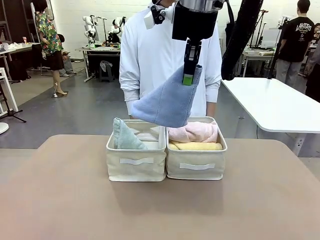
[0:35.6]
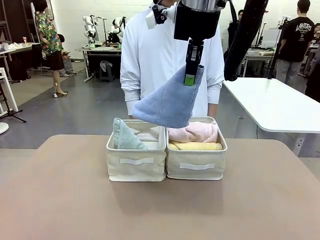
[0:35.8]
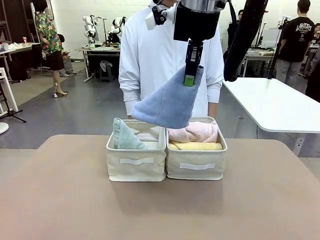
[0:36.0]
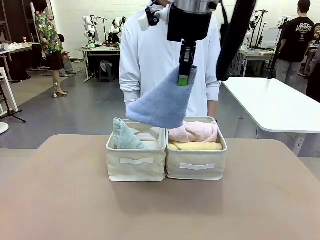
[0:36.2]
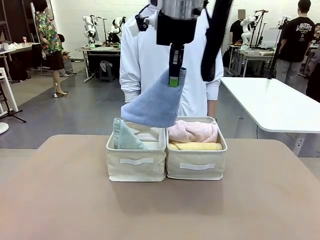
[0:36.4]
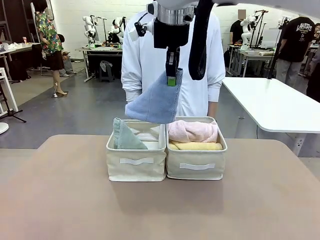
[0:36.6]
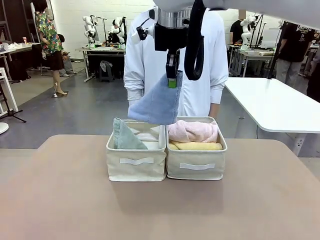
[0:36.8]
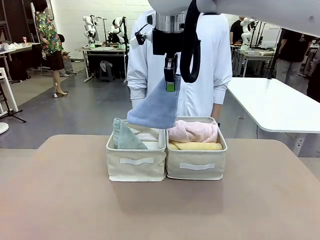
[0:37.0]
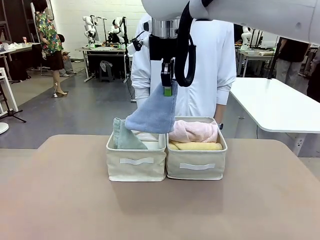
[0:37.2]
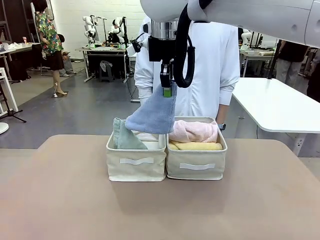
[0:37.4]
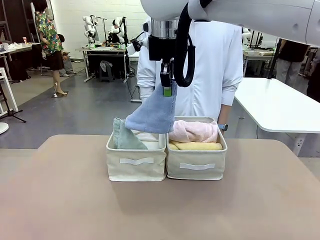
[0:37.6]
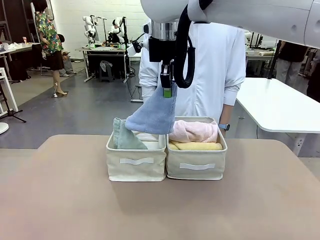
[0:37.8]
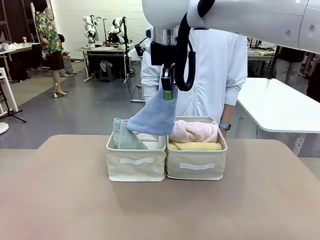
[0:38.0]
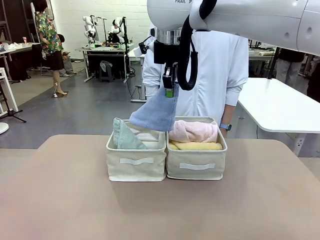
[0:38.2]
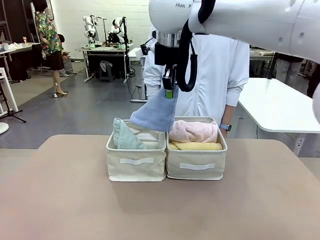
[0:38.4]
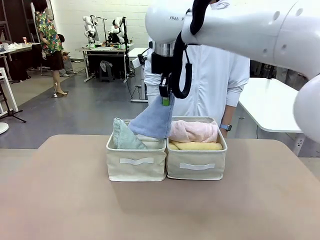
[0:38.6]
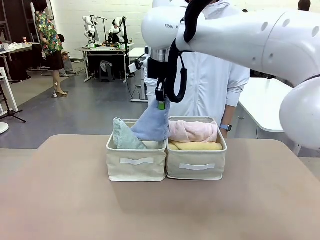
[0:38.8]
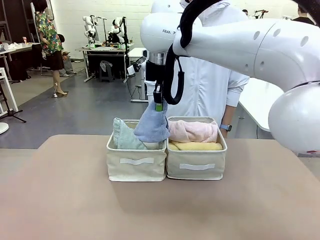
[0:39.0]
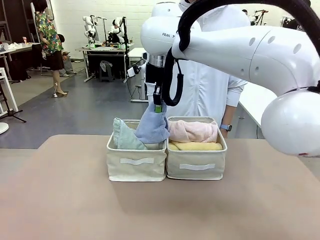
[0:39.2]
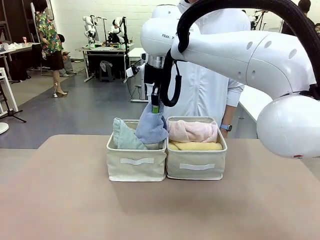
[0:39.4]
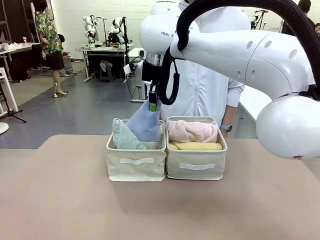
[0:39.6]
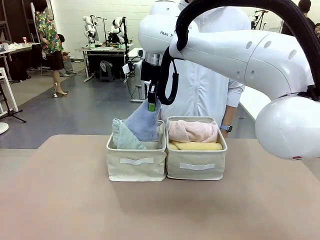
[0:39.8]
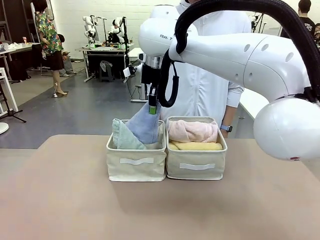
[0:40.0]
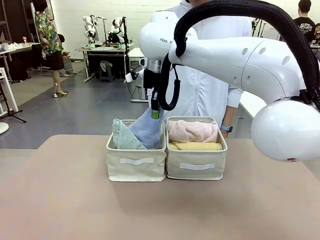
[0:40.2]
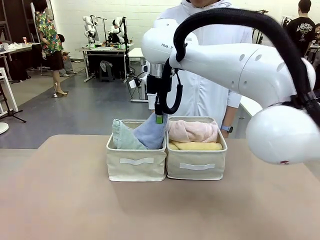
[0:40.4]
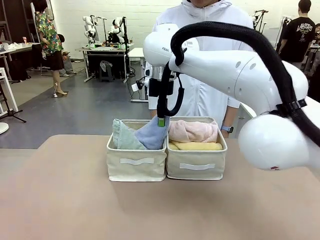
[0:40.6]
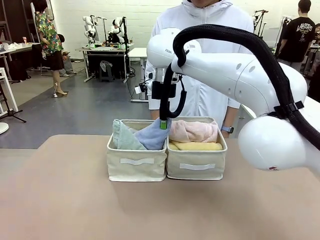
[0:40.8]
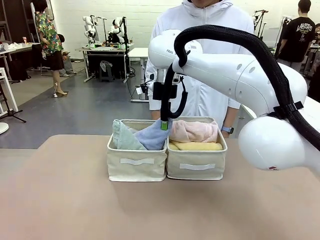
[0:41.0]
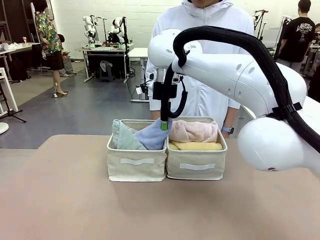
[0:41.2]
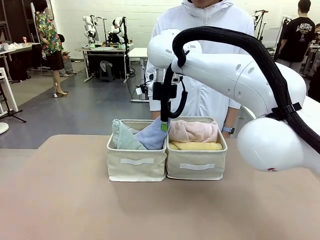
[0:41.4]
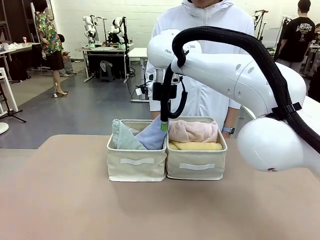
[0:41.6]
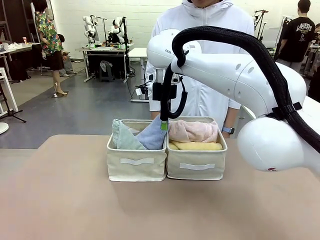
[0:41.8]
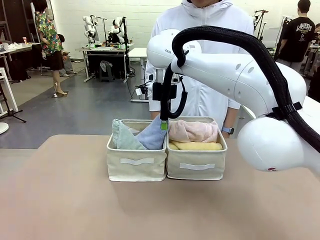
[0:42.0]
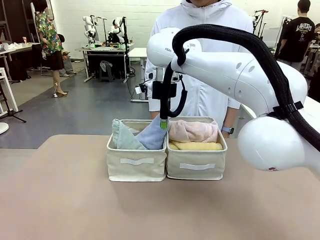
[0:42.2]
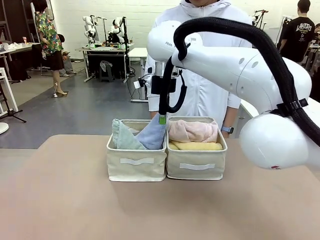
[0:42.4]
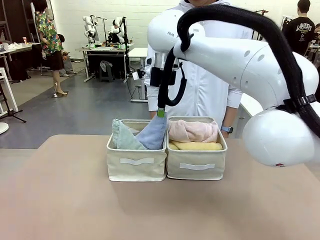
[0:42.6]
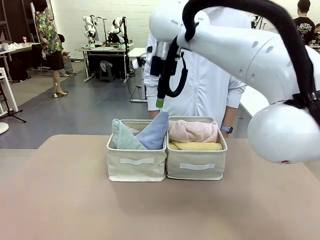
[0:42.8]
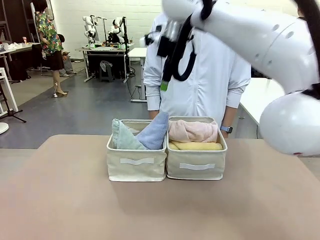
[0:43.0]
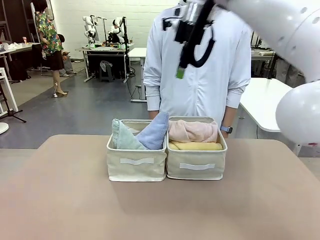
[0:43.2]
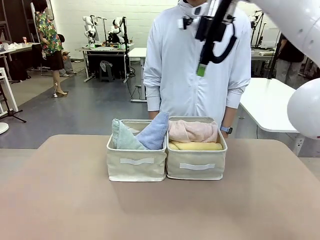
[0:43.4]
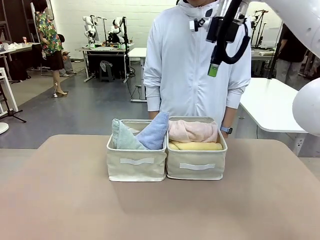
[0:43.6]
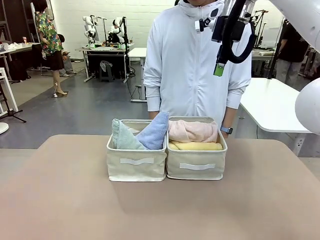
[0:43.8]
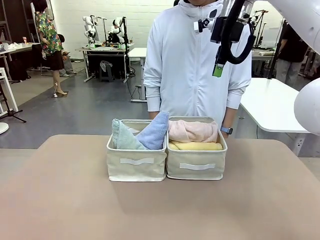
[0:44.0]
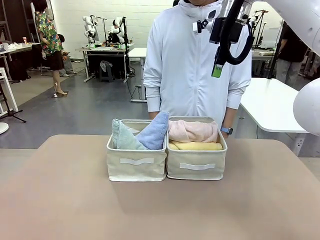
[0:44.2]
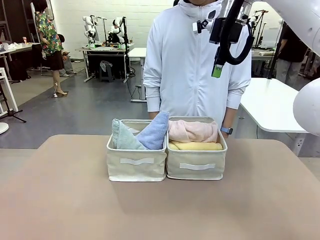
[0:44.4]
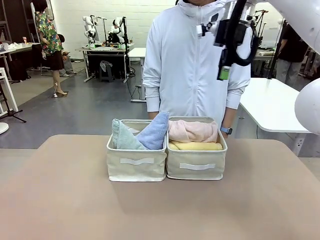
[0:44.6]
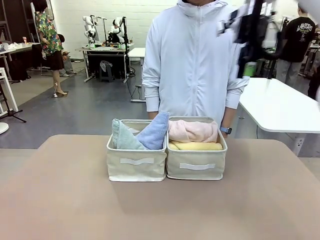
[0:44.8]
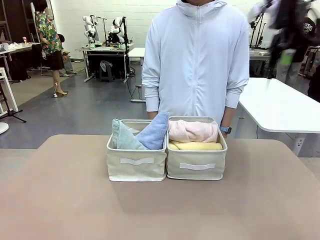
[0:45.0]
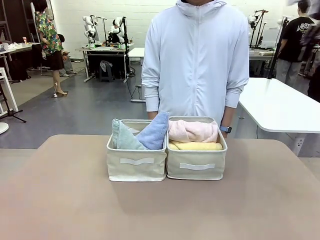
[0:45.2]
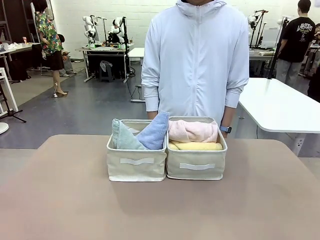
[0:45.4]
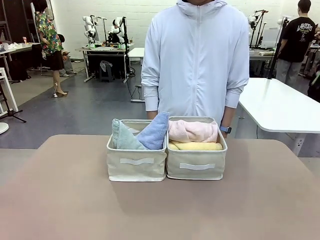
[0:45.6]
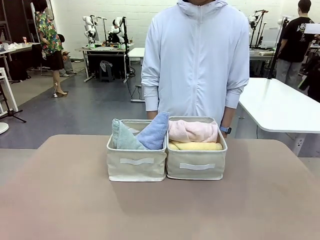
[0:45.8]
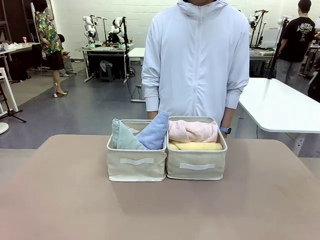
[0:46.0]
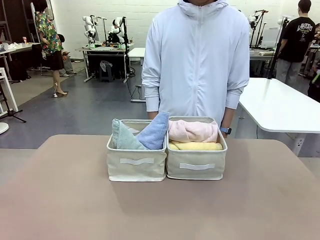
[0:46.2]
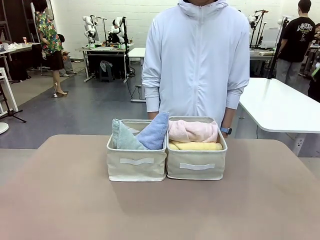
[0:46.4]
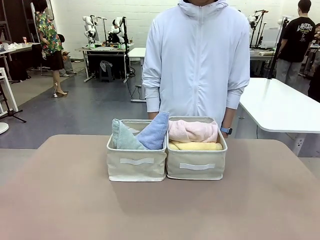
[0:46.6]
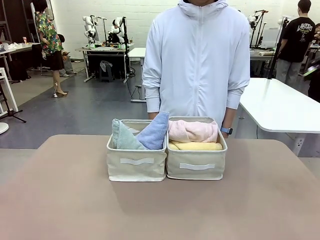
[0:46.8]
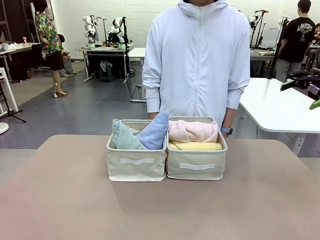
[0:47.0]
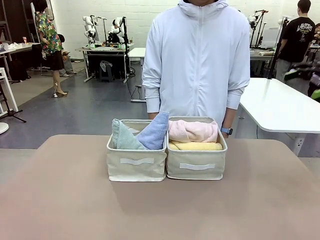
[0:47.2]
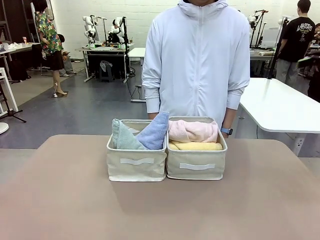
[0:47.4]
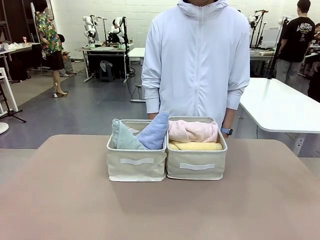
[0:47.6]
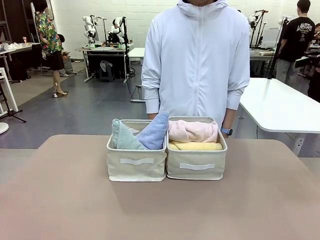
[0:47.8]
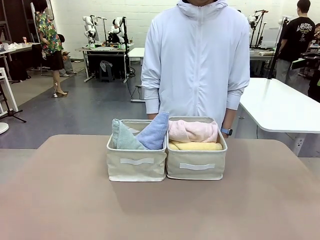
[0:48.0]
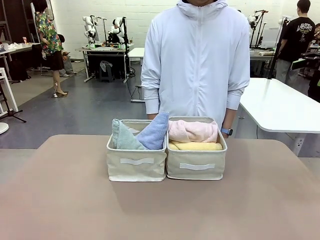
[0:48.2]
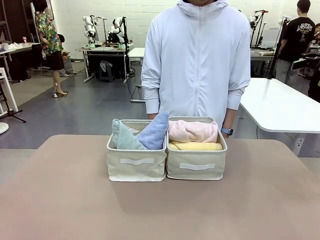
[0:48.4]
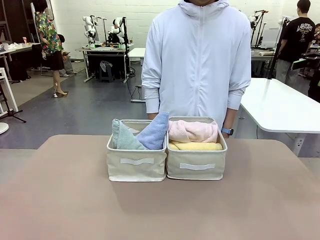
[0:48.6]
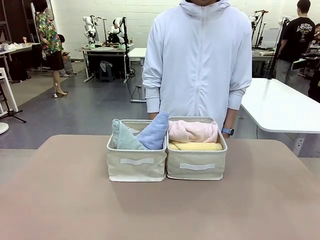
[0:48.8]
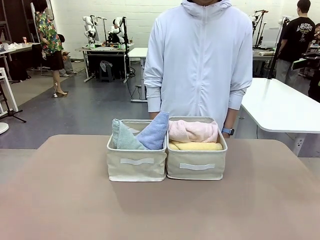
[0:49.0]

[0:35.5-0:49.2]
Task: Sort the towels based on their folding style.
Robot: Pick up another triangle-folded towel from the table and place it in the left Fabric basket.
